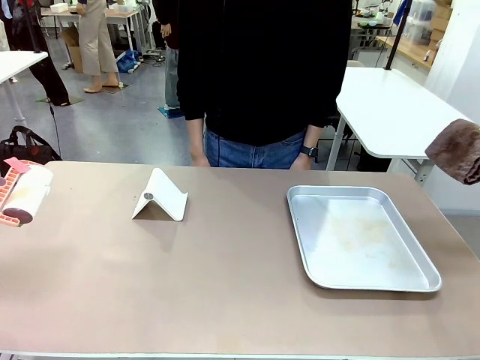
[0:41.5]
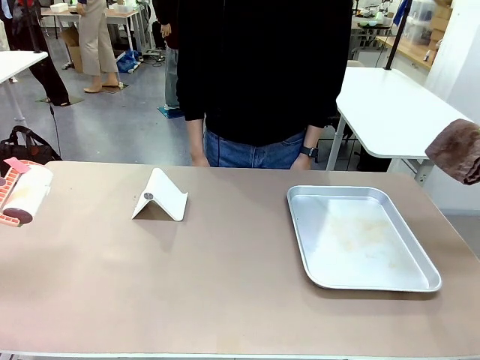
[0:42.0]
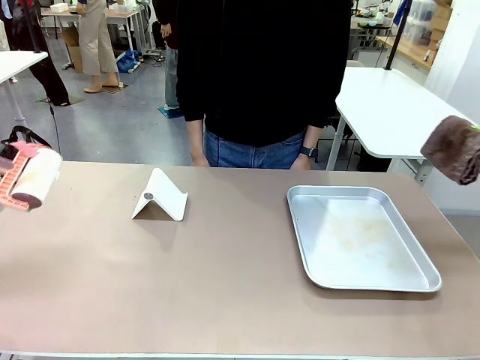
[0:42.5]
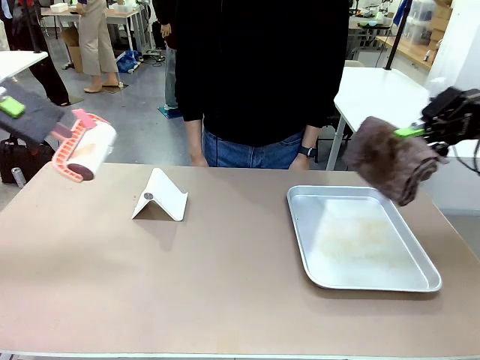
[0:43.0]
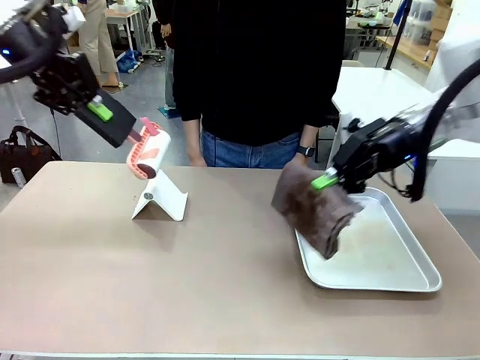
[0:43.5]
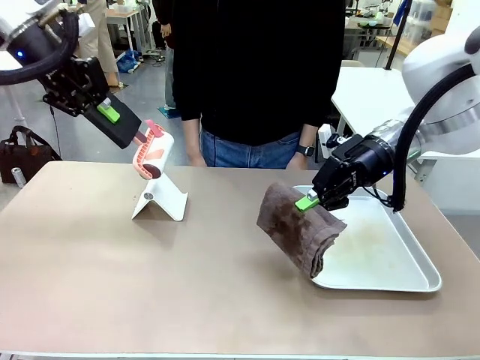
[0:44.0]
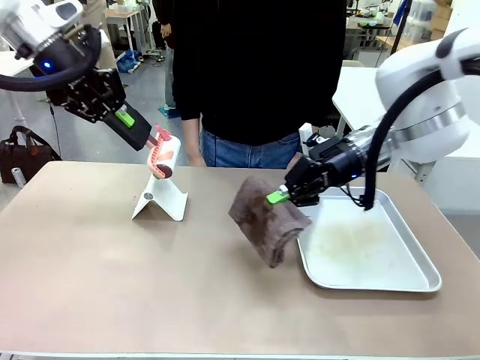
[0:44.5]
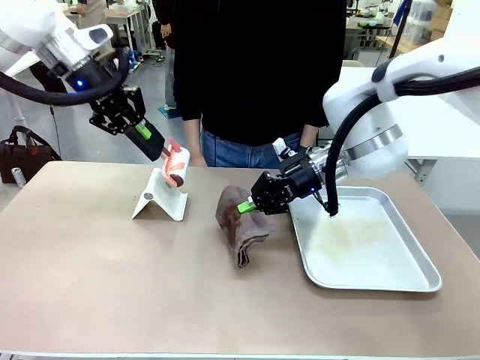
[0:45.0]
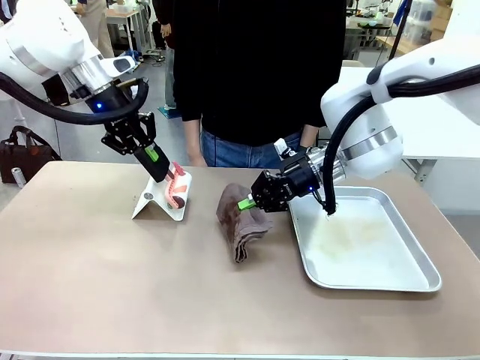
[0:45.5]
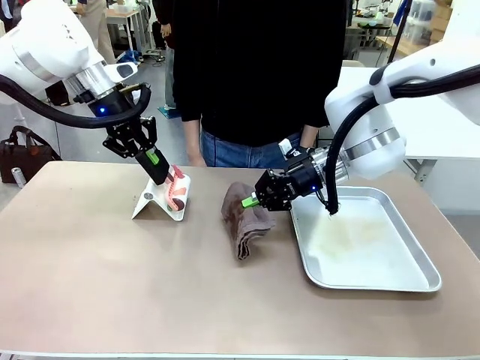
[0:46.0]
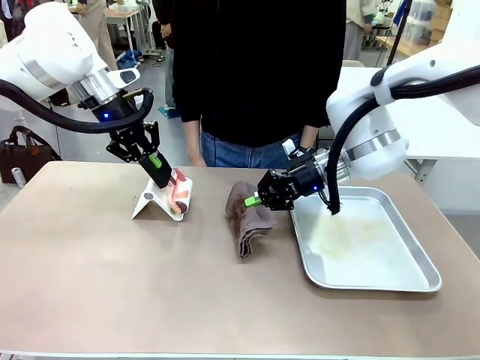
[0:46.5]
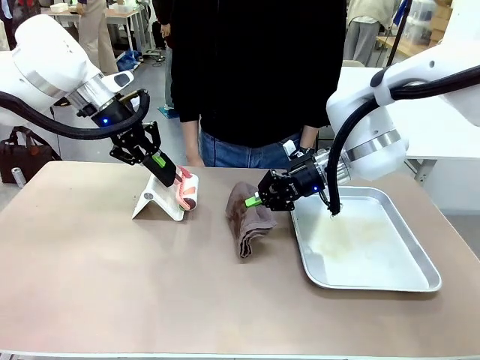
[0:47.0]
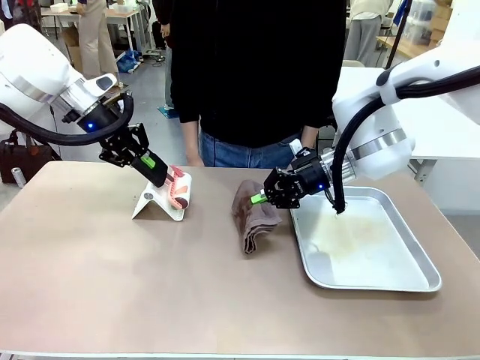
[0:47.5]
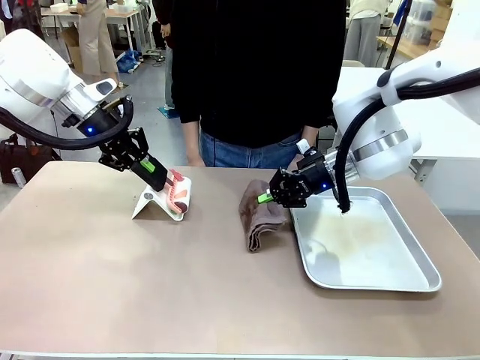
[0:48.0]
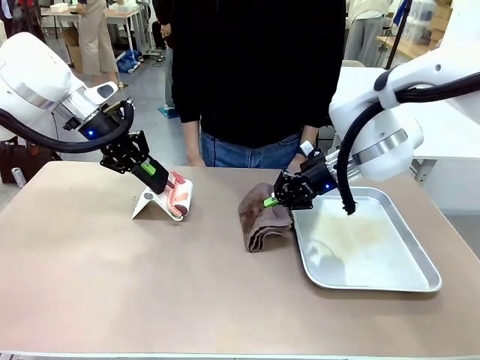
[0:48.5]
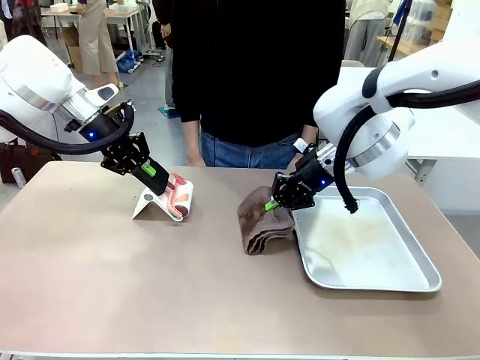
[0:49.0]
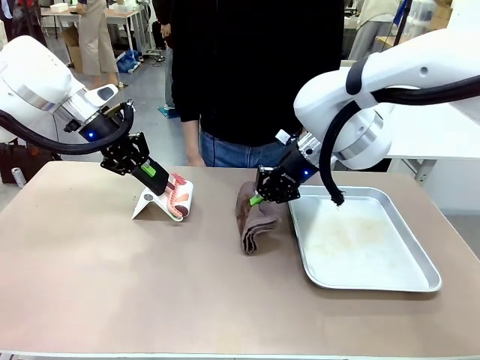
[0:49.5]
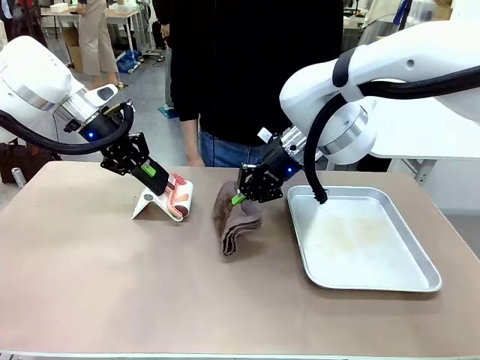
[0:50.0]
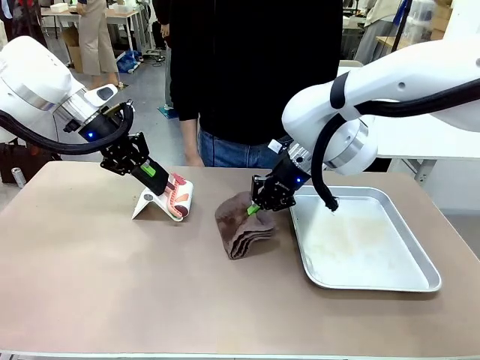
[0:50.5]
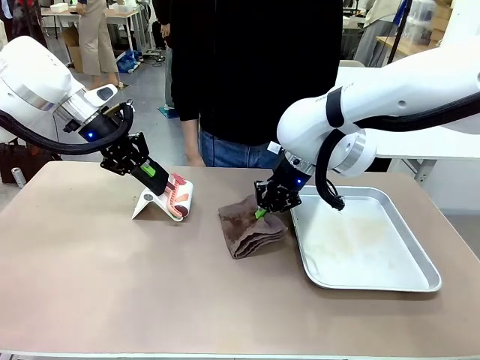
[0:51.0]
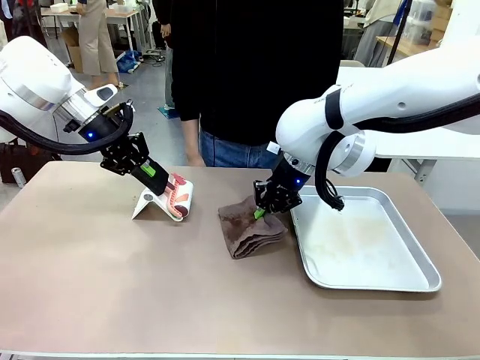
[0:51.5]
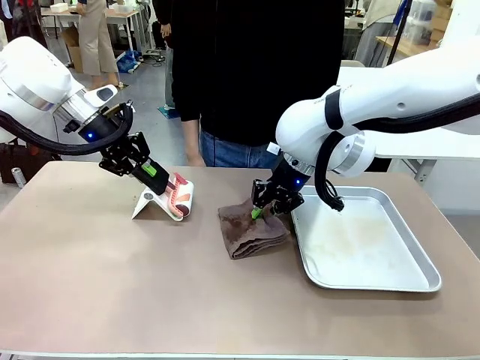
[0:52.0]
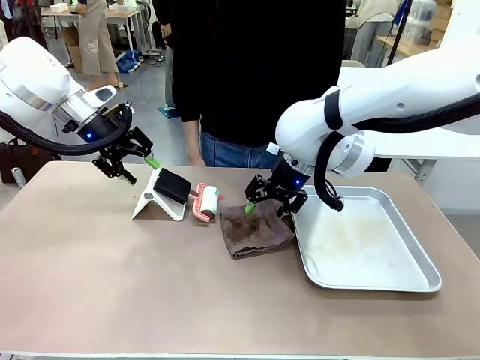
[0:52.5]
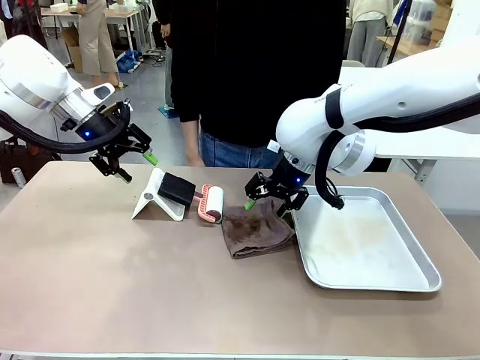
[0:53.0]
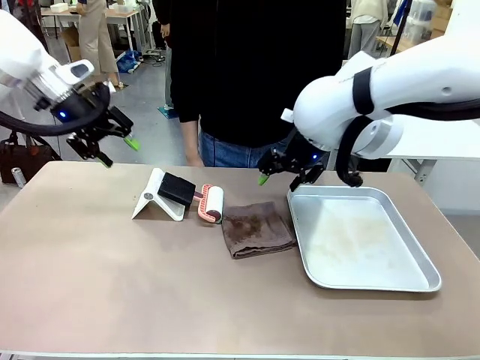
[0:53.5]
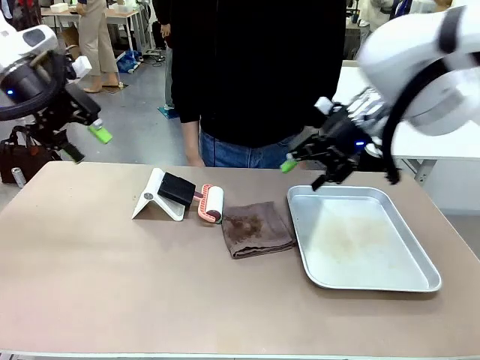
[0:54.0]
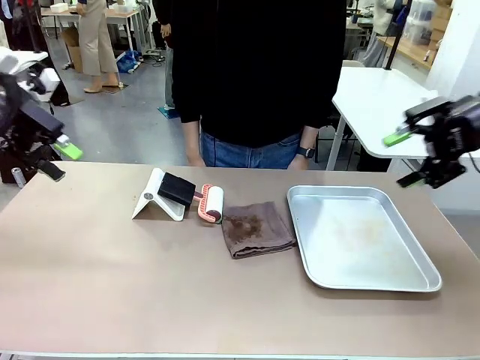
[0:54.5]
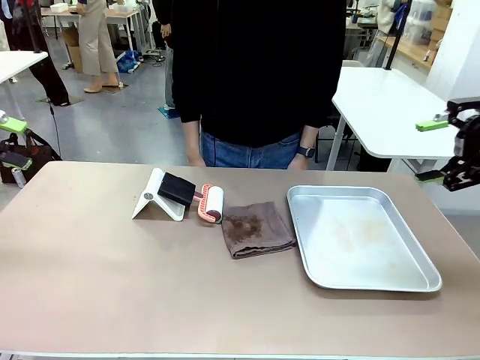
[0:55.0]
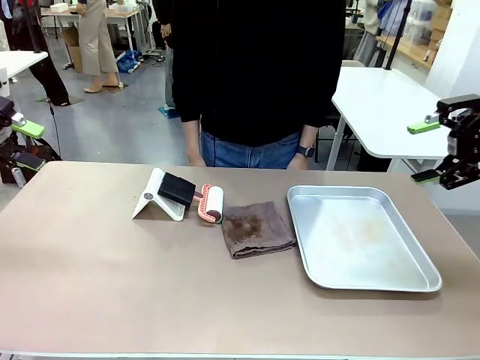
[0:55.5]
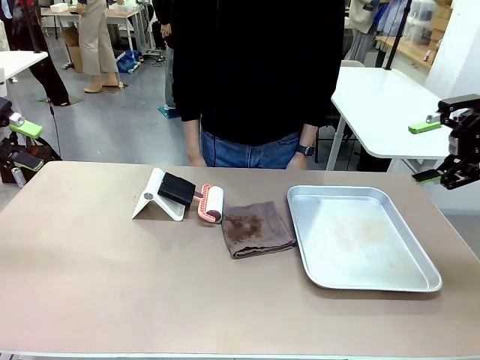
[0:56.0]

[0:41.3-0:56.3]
Task: Clean the surface of the table.
Robot: Return the Lint Roller and towel to their original positions.

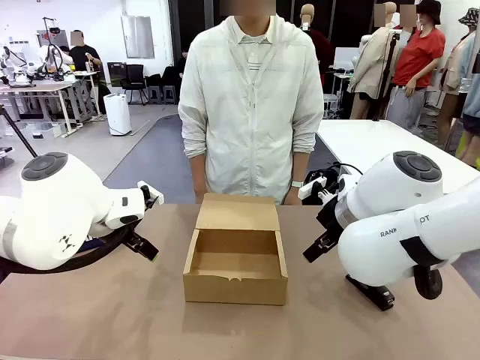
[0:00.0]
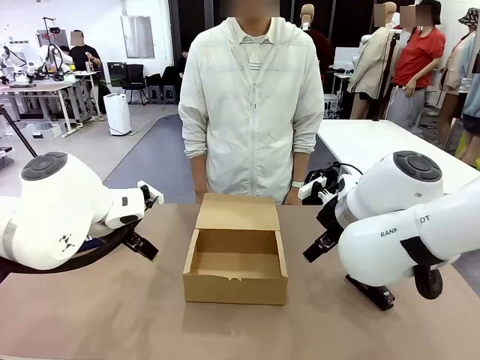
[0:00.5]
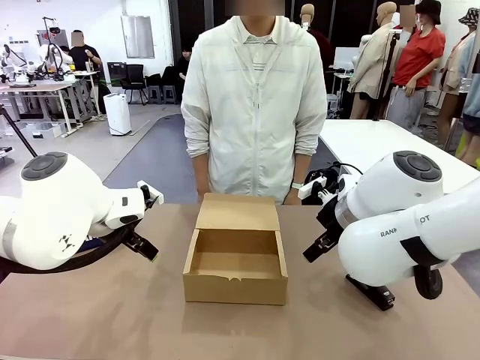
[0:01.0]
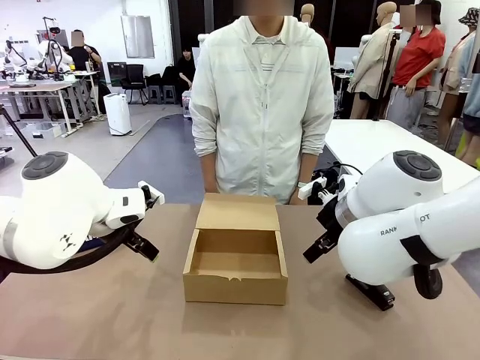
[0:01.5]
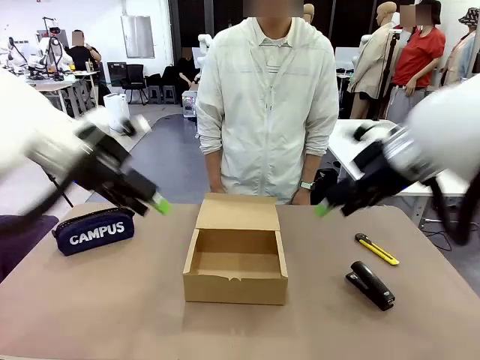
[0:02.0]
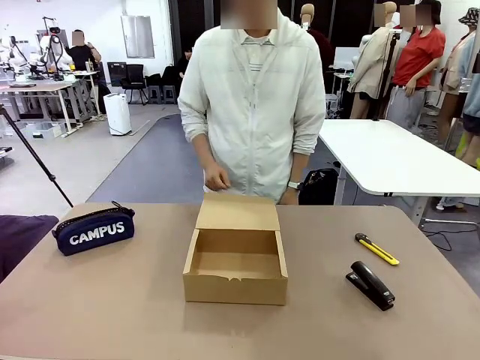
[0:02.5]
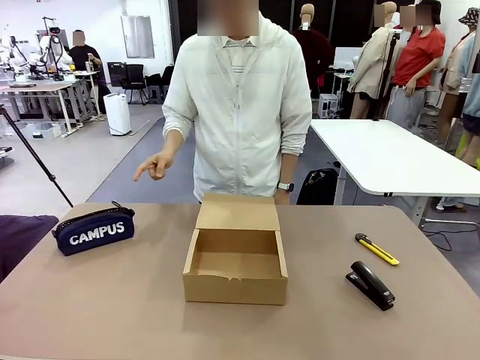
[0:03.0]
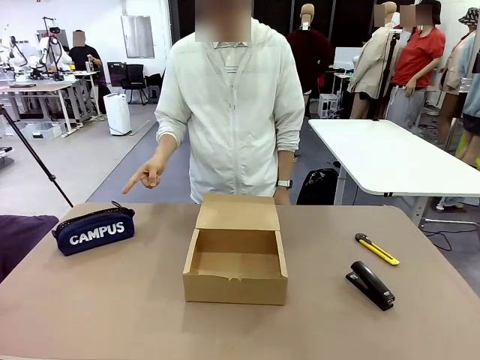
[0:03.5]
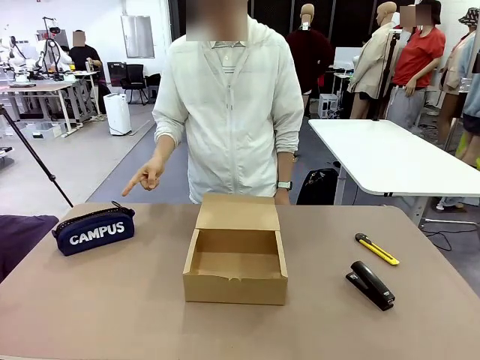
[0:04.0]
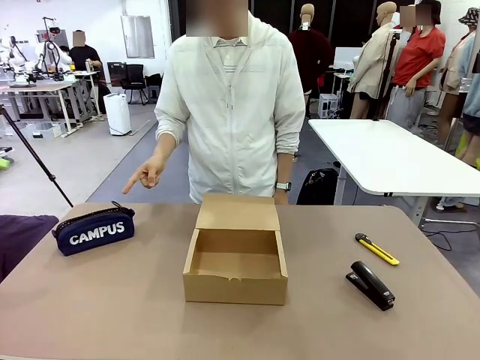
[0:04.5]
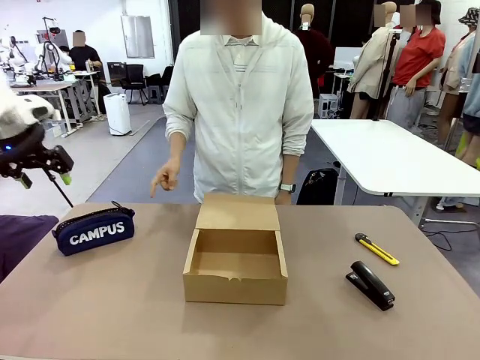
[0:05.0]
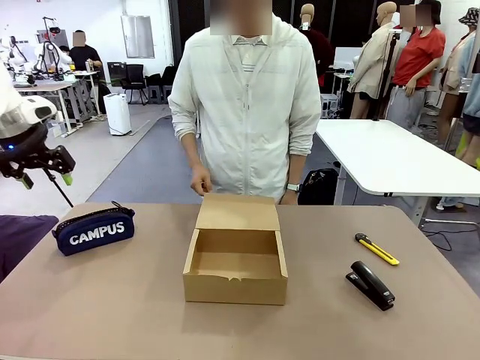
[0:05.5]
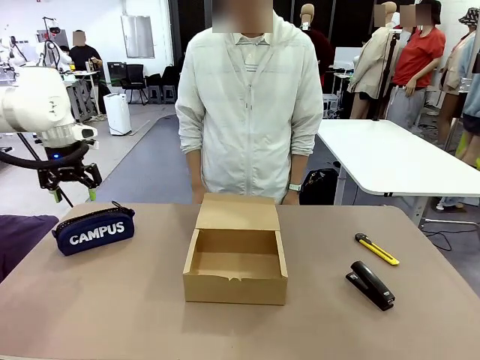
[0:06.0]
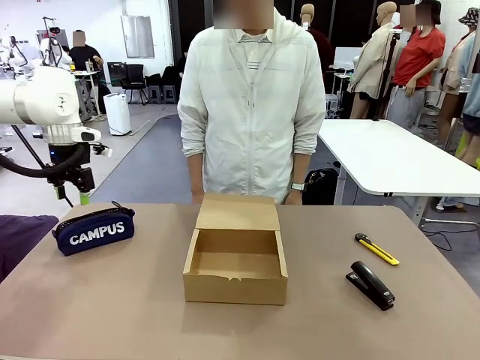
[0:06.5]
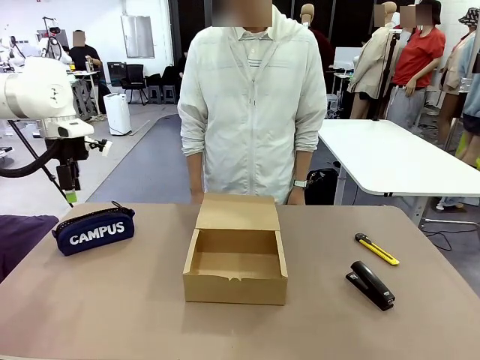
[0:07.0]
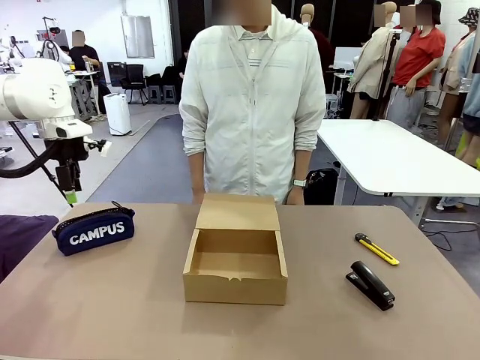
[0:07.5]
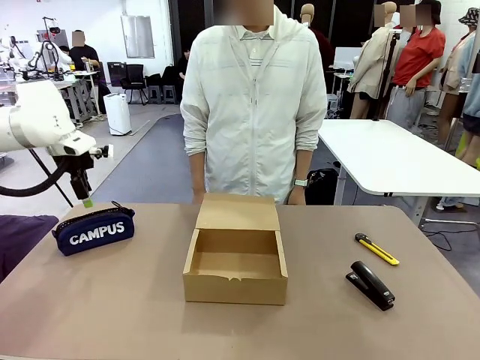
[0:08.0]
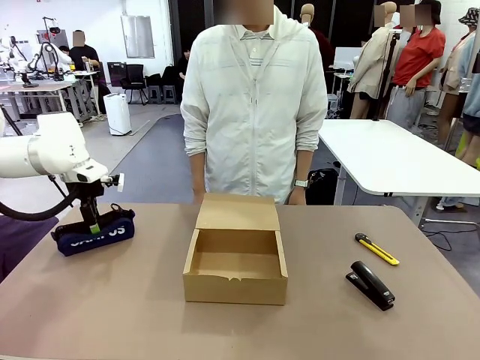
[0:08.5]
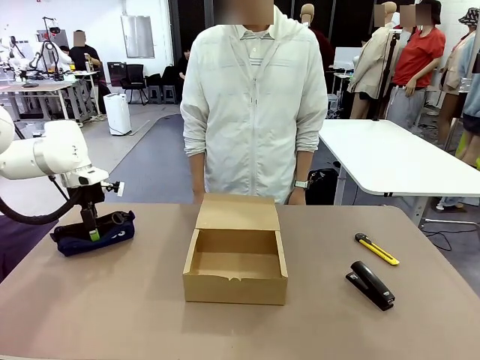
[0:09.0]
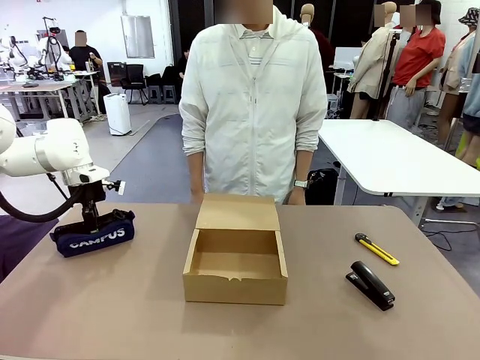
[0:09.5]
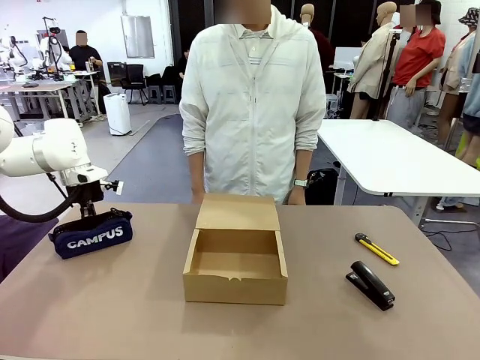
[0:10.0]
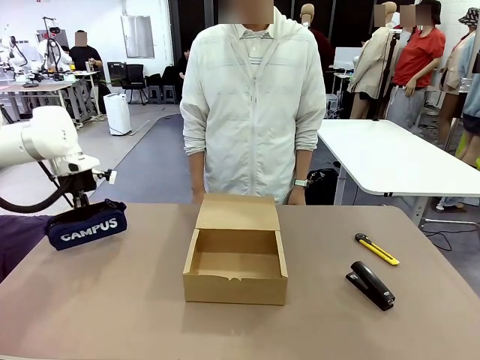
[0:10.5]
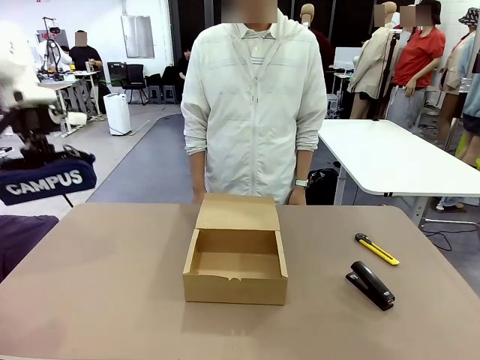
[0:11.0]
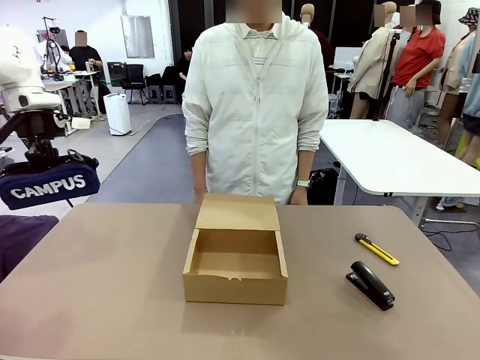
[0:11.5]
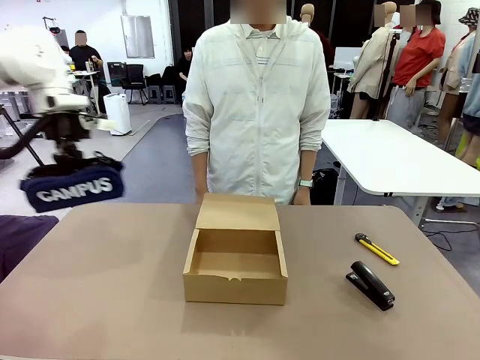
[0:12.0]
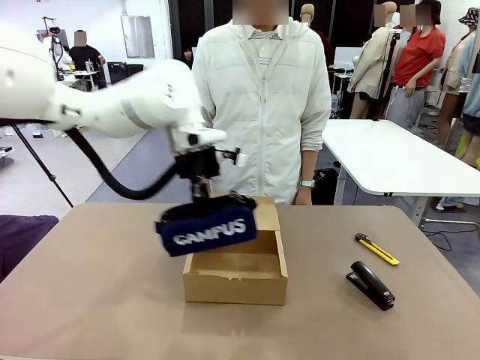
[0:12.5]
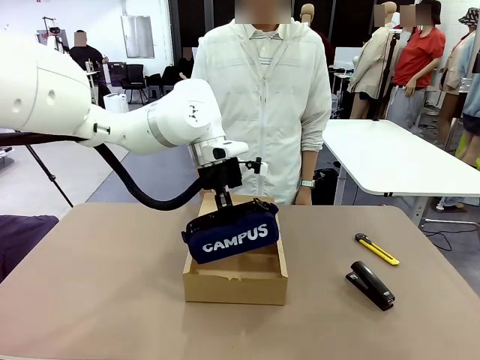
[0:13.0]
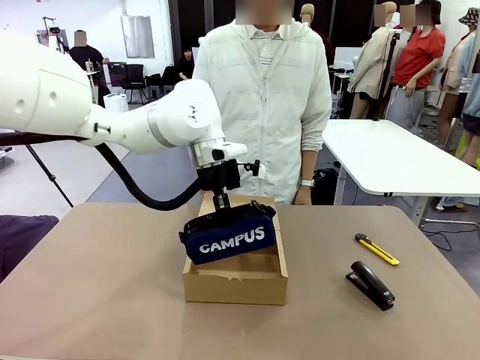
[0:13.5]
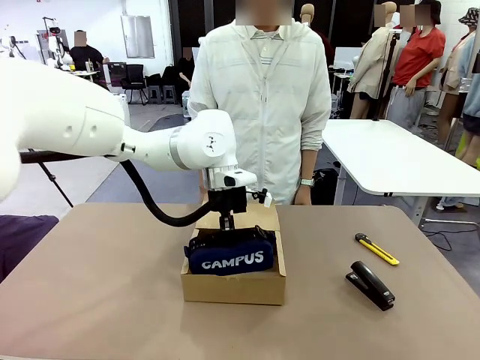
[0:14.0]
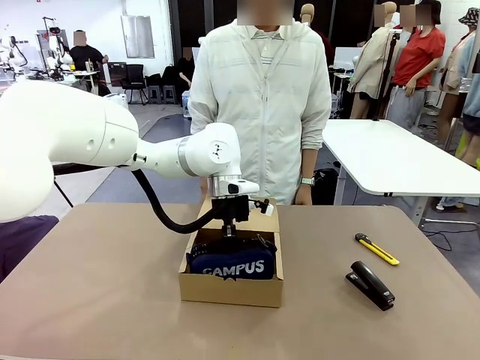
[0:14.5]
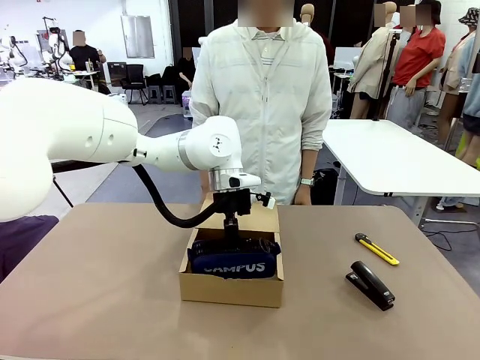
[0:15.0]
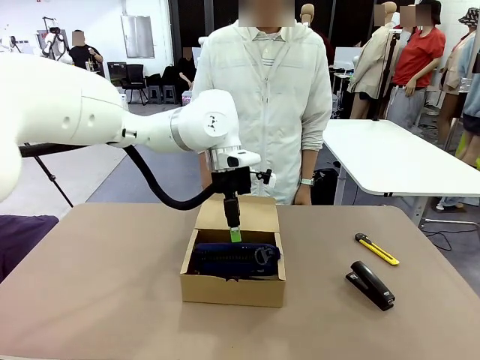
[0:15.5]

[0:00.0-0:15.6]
Task: Pack the items into the box.
Robot: Pick up the item specified by the human and place it in the Mailer Box.
Person: Point at one item on the table (excluding the box).
